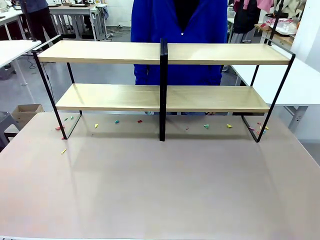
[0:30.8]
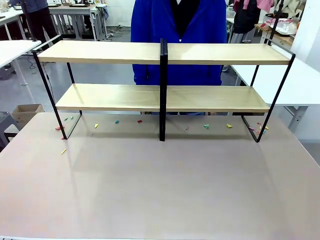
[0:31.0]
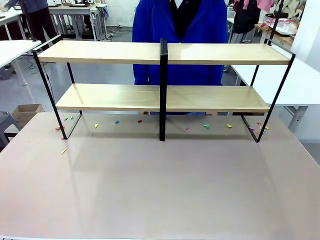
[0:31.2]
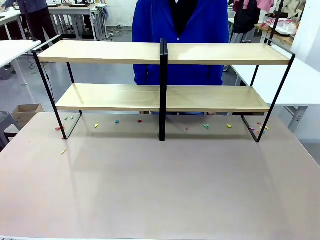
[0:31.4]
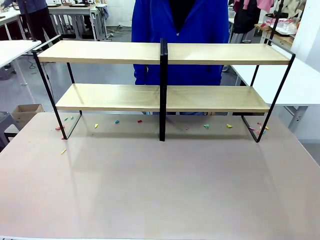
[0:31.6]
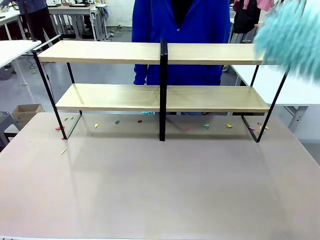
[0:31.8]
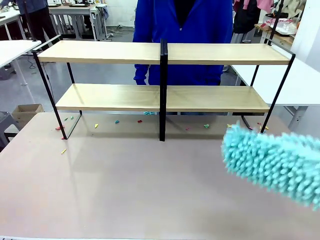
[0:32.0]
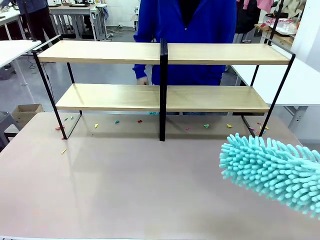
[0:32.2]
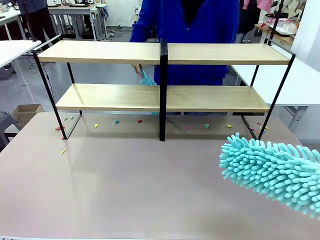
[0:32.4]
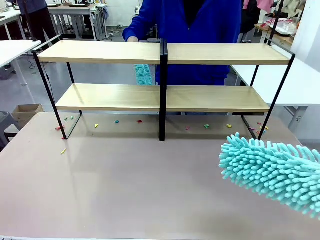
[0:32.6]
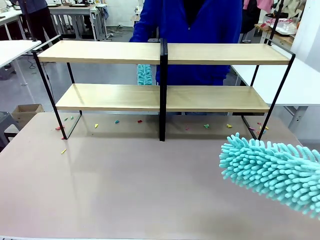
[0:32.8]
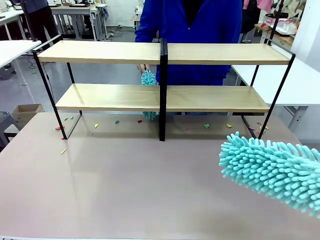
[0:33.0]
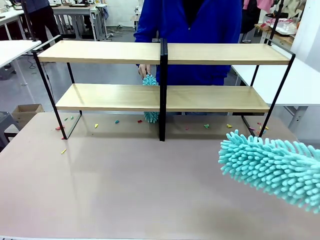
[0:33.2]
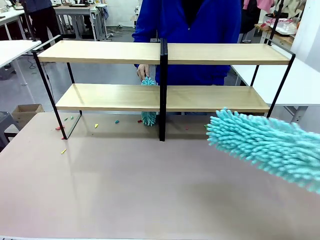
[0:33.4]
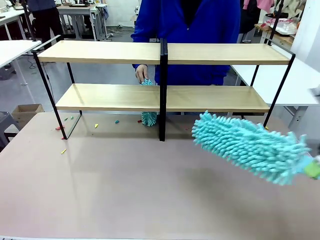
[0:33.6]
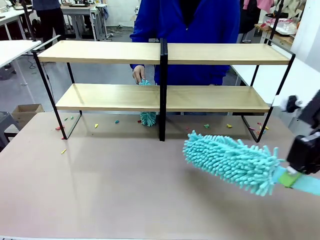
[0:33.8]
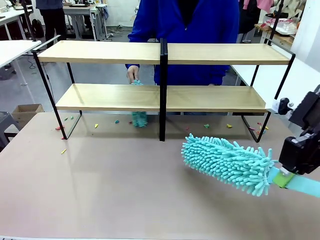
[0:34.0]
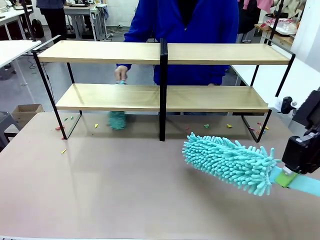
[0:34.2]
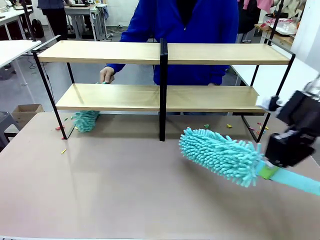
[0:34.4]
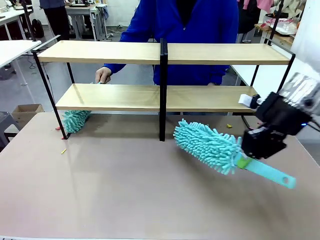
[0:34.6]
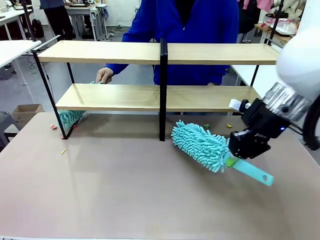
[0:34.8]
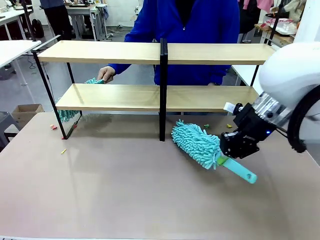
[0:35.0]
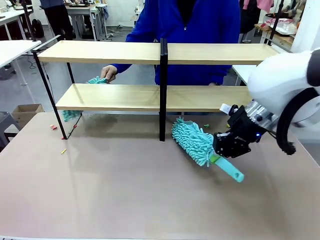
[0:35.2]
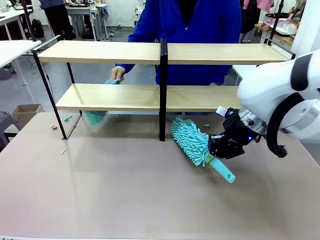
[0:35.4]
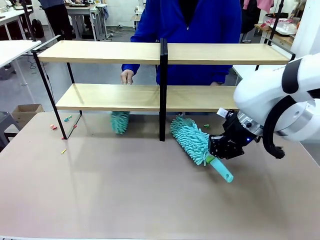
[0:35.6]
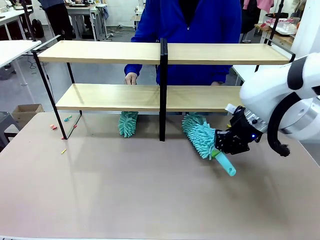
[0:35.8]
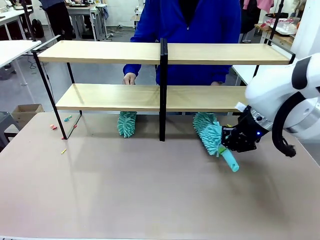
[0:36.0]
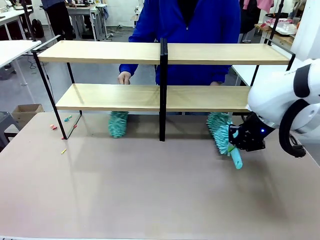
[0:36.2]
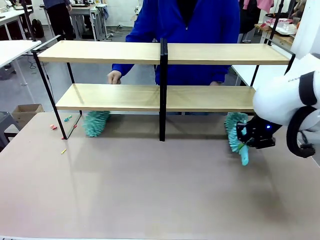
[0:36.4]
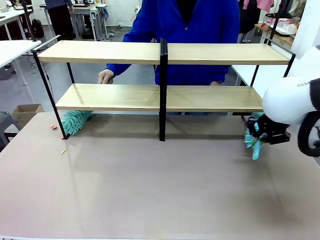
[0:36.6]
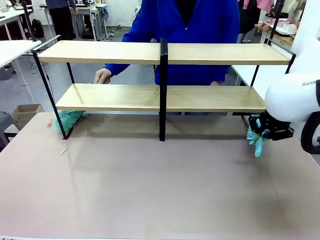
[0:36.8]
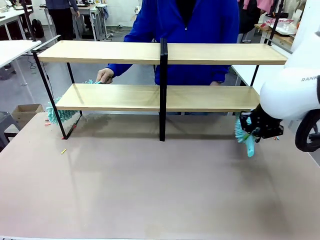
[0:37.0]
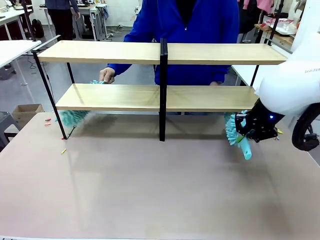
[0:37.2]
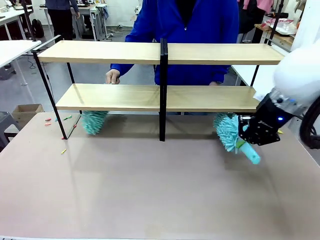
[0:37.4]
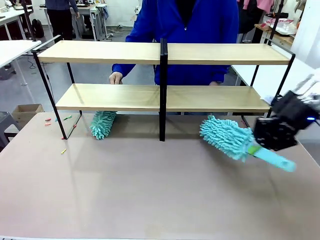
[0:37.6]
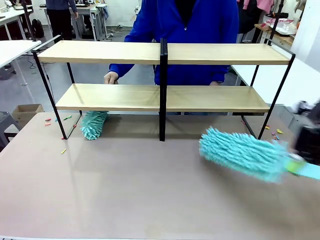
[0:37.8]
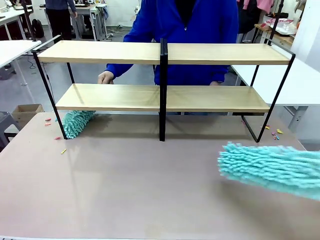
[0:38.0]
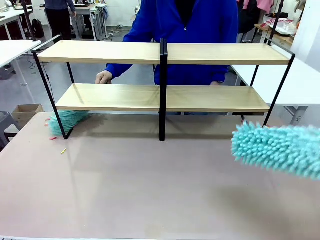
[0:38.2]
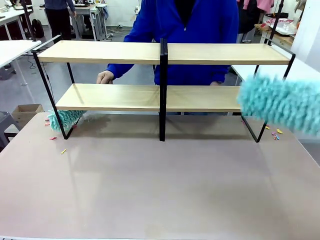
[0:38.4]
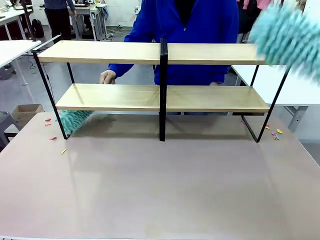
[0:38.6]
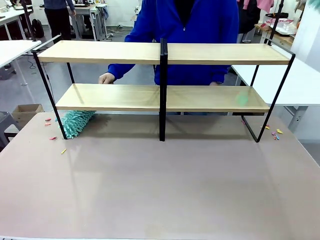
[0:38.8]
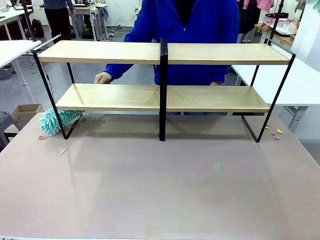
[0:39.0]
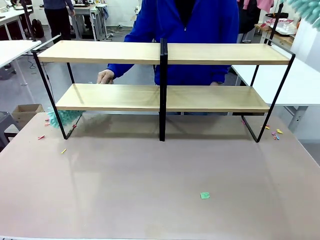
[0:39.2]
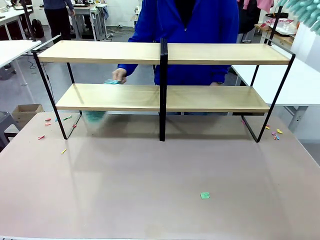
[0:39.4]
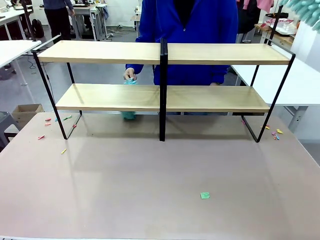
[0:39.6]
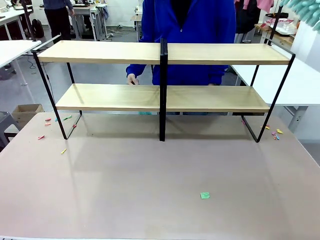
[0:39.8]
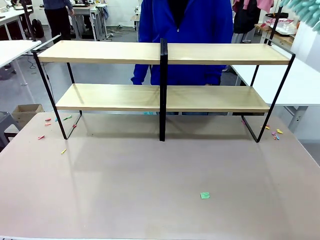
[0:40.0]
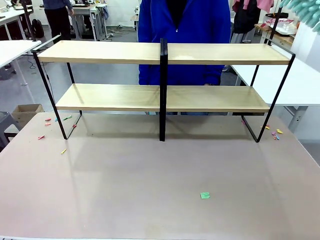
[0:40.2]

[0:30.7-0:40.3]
Task: Clean the shelves.
Robot: Clean another randomly selected level of the Shelf with the Duster.

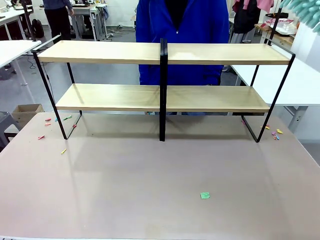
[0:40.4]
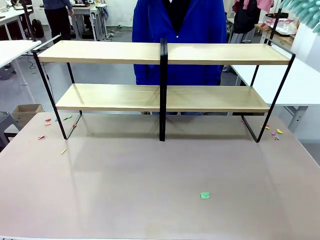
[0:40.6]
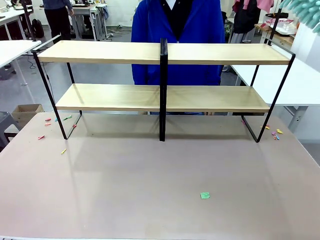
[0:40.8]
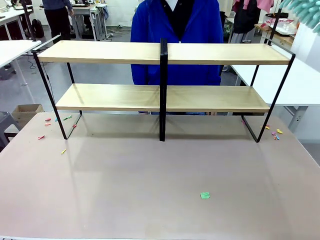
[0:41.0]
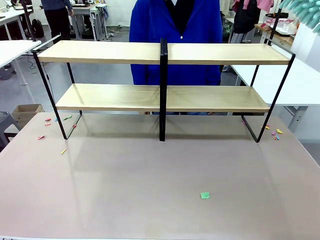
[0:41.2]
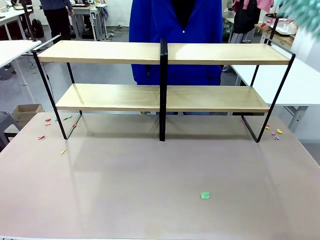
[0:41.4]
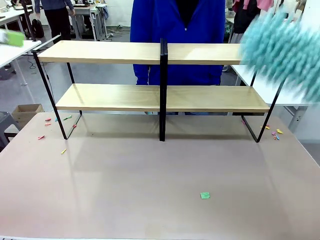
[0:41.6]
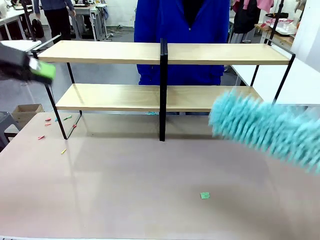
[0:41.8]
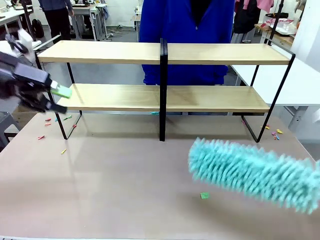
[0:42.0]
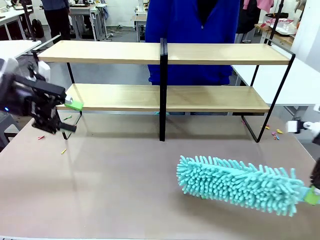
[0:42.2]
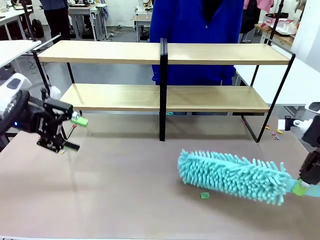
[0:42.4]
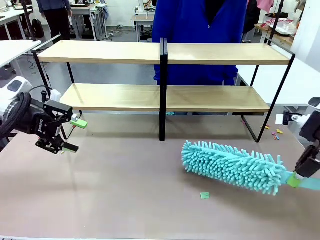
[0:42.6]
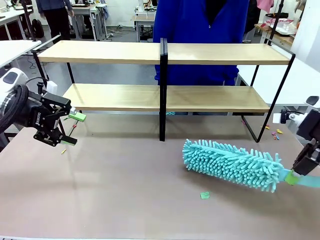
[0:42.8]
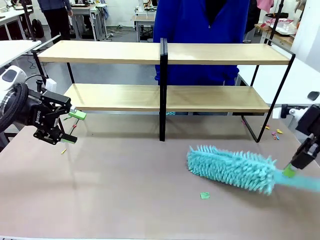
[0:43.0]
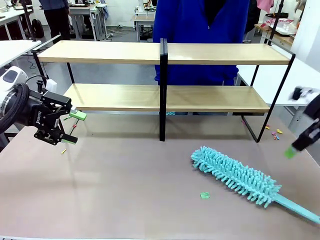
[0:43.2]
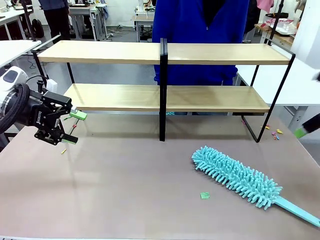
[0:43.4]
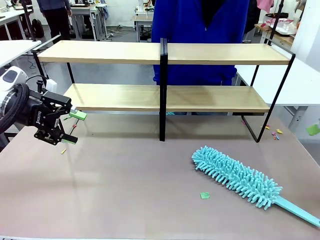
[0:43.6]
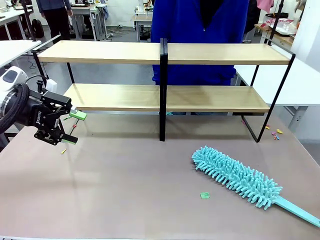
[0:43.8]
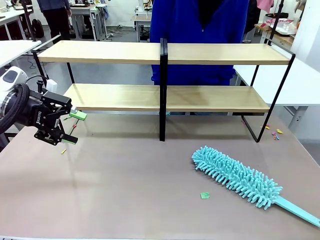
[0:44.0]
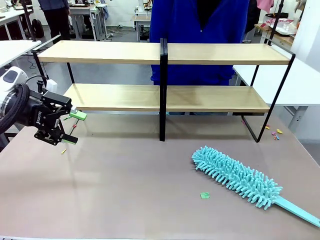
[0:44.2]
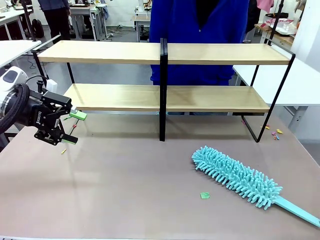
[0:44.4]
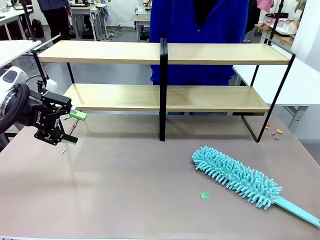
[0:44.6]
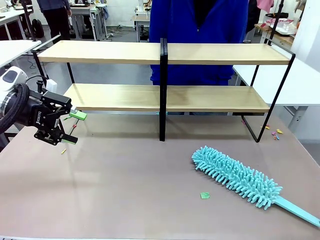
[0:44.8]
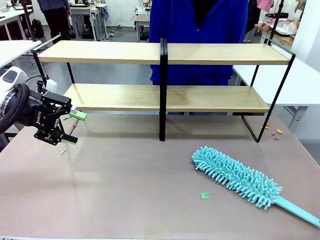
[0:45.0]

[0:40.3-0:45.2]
Robot: Place the Duster on the table.
